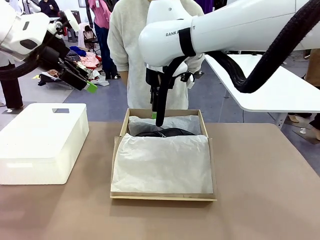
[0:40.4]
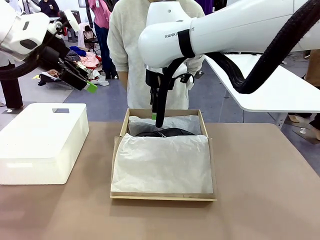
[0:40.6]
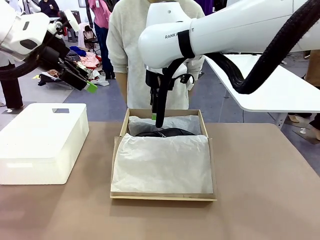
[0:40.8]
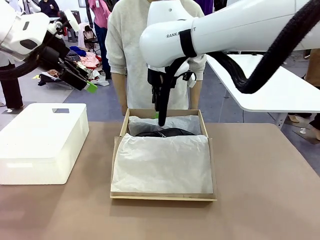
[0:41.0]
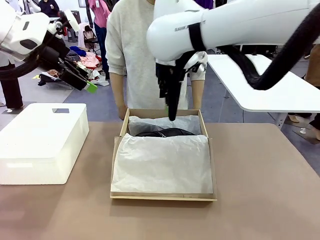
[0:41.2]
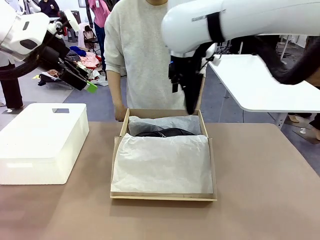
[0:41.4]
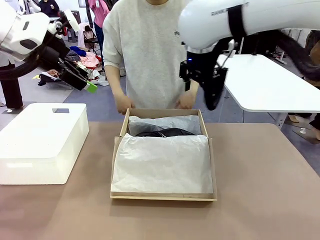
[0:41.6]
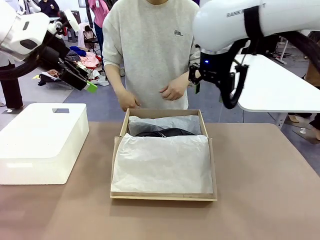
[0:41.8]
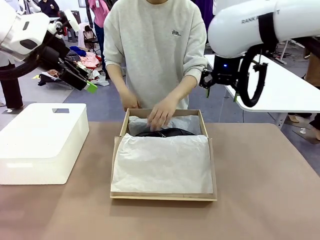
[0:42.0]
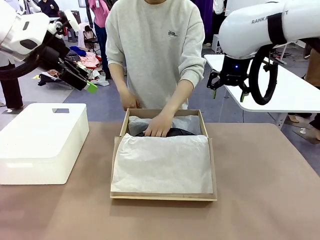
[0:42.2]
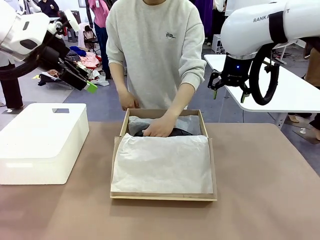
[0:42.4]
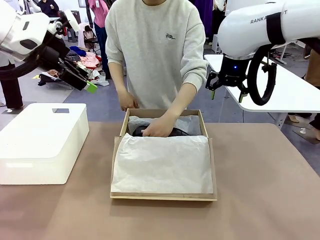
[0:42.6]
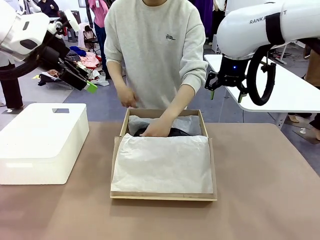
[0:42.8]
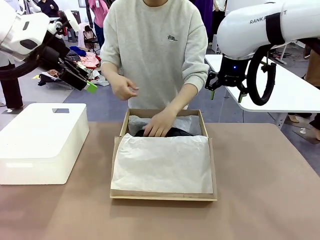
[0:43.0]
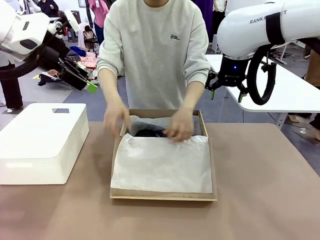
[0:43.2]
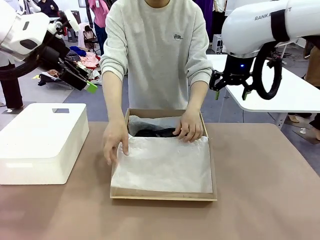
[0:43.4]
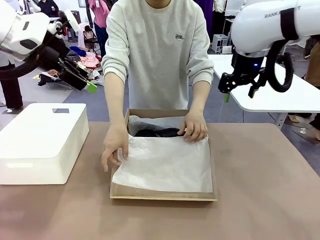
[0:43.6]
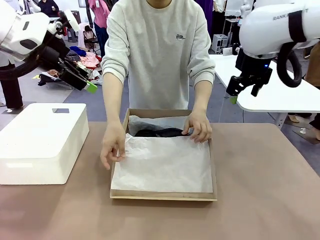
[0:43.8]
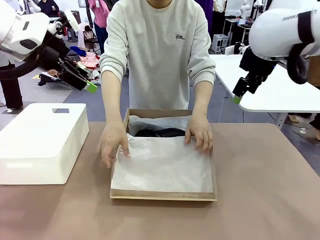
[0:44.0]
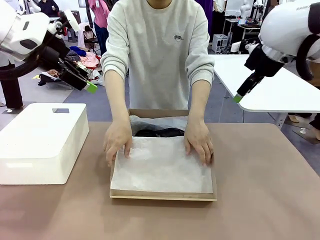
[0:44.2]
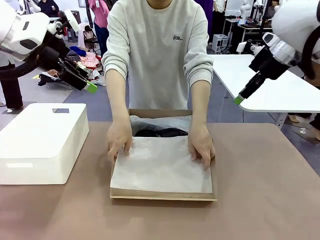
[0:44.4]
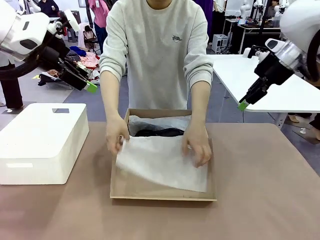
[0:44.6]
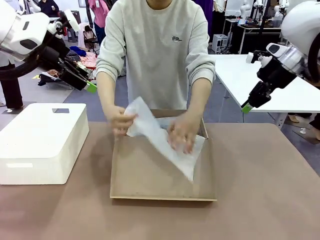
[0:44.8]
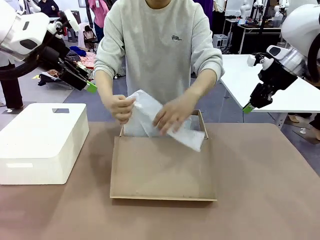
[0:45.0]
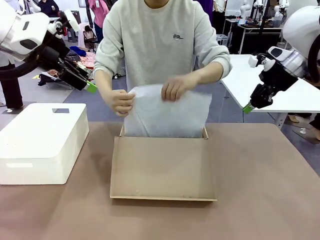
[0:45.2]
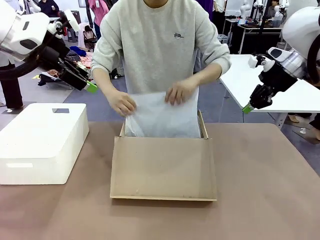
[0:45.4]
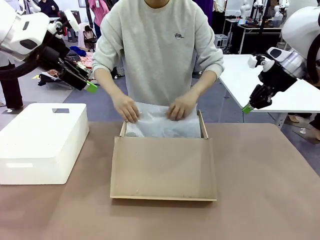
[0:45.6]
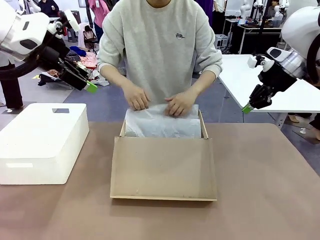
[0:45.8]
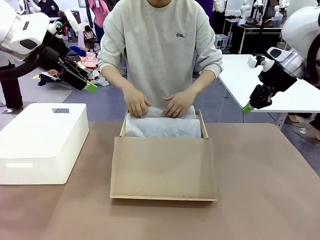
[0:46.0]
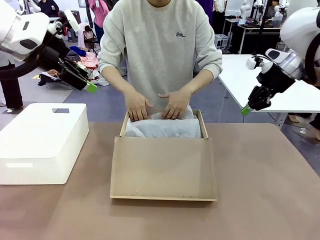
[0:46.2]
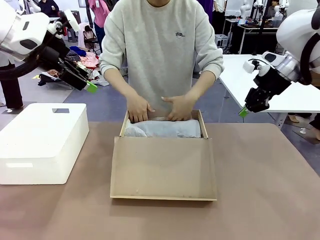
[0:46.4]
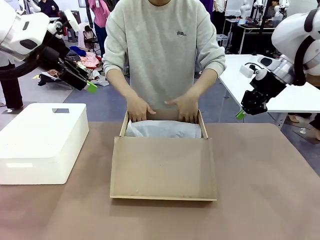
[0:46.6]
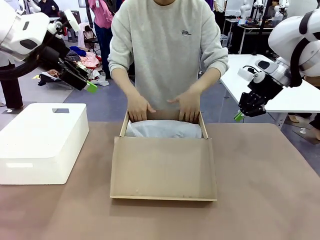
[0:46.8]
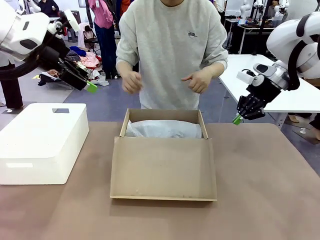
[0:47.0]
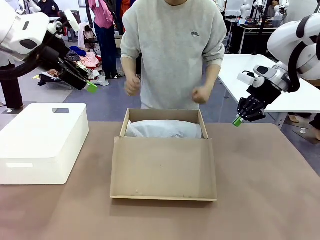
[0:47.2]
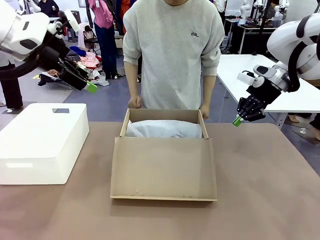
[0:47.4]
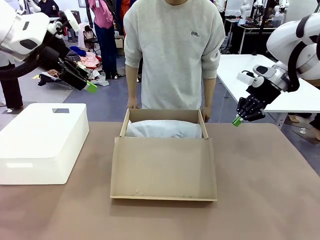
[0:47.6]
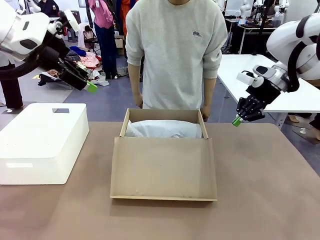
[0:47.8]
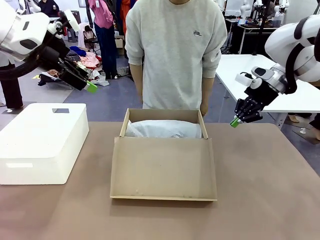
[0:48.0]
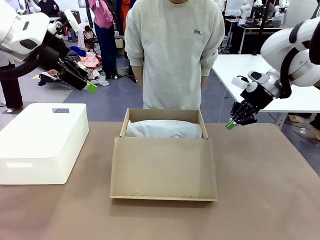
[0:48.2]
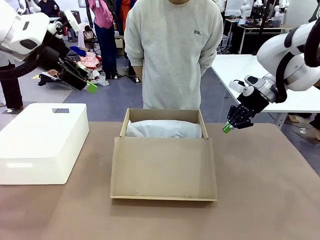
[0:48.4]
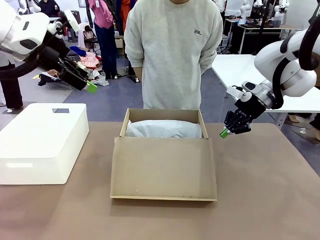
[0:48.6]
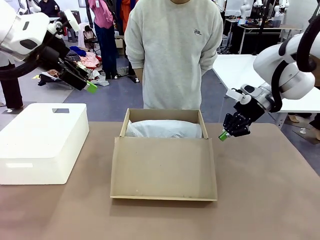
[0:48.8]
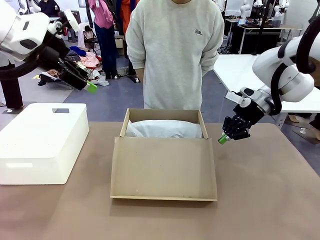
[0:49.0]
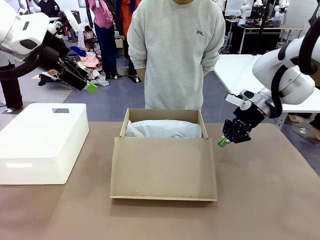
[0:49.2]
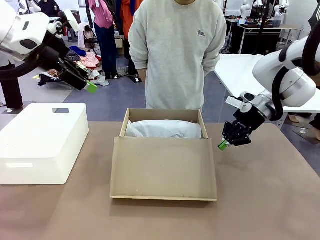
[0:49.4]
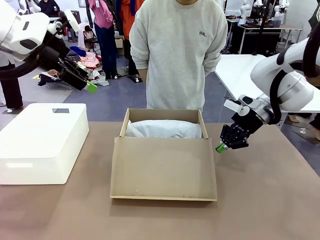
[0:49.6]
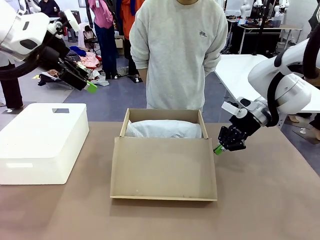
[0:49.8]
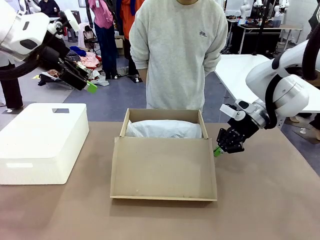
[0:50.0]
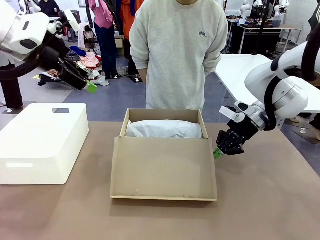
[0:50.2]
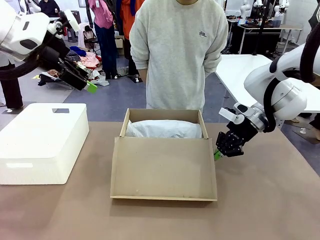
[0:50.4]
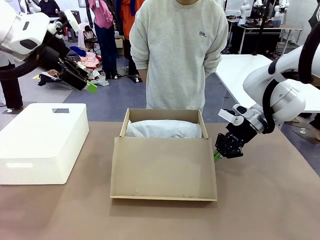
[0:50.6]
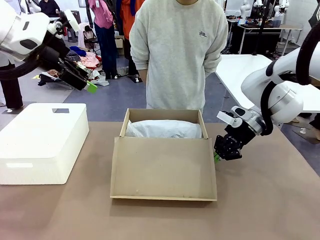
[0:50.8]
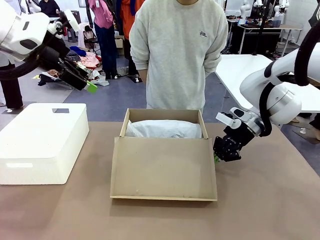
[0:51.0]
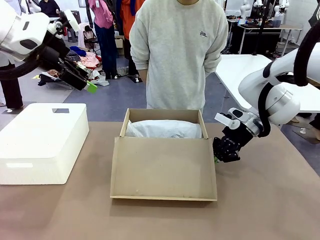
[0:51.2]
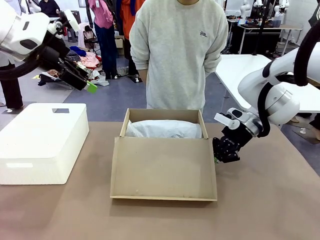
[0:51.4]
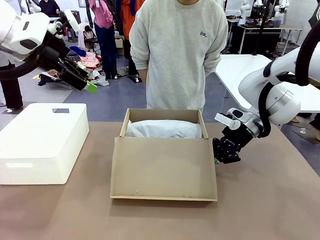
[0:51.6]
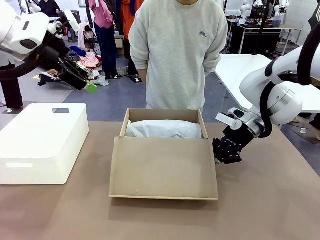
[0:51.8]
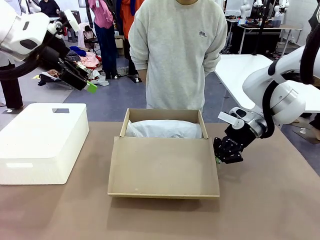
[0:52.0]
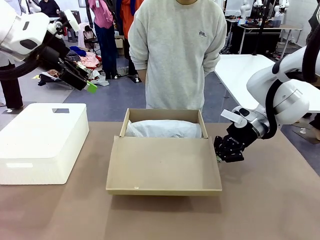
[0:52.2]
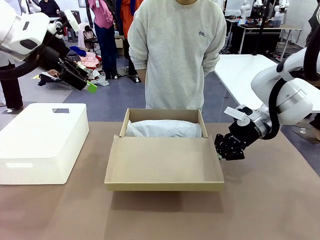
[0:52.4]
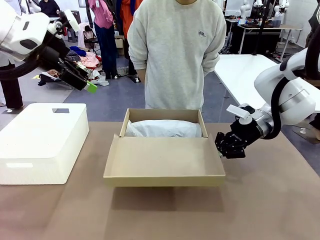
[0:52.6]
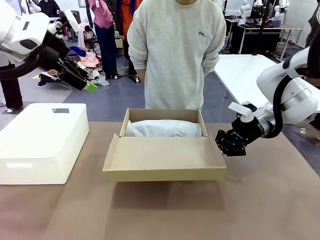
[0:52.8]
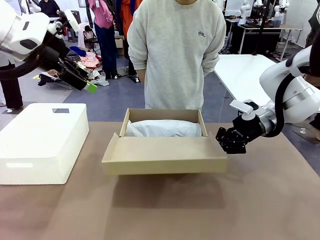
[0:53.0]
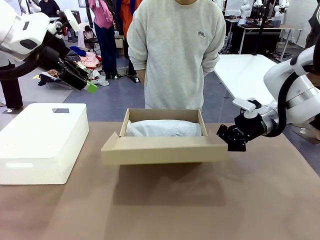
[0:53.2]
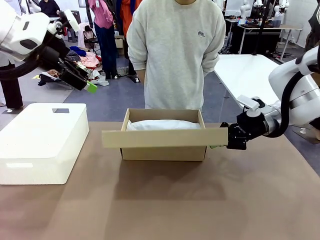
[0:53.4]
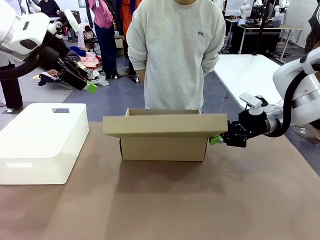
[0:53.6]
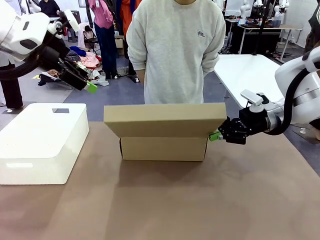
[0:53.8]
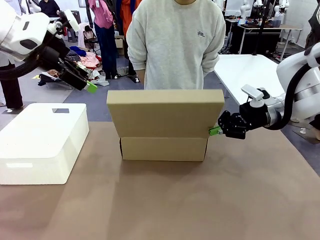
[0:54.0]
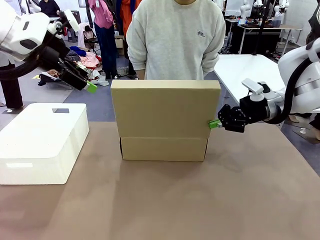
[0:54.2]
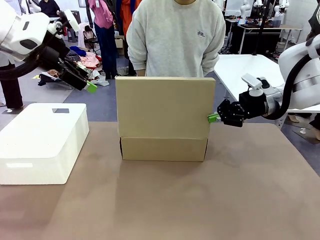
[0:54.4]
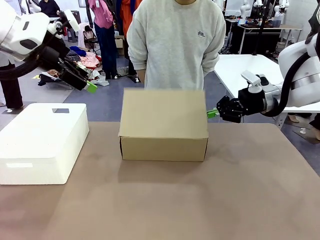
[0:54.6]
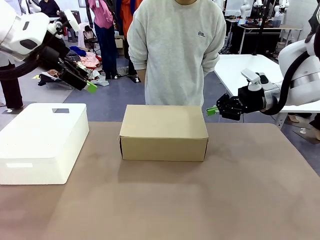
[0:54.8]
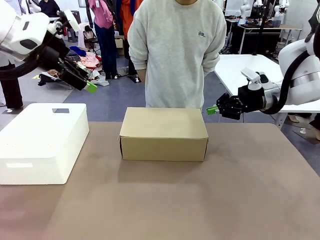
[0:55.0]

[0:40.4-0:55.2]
Task: Pack the shoes into the box.
Robot: Close the Shoes Box.
